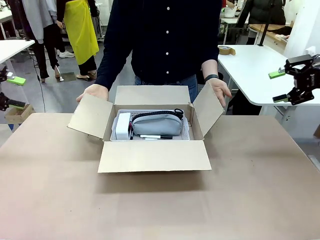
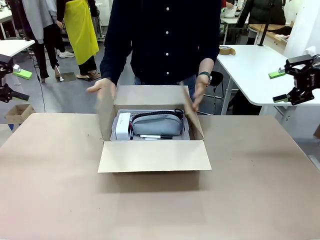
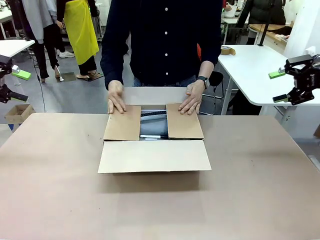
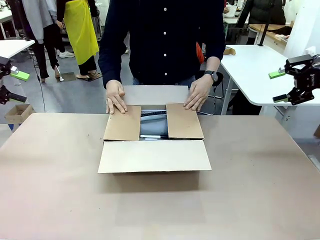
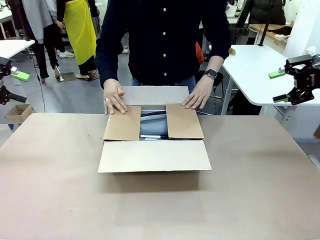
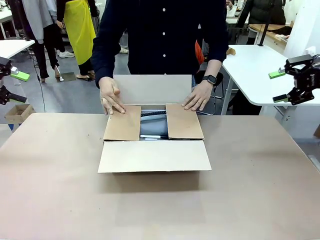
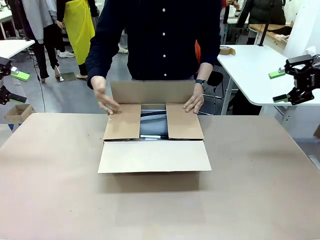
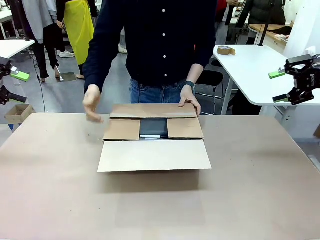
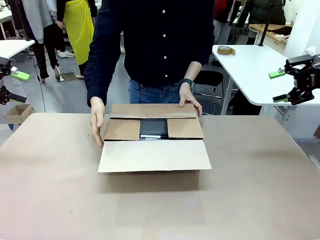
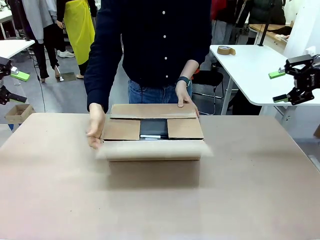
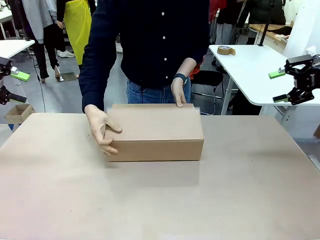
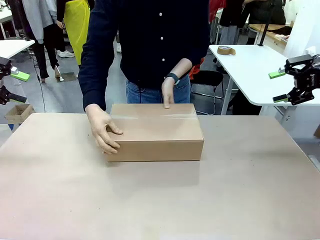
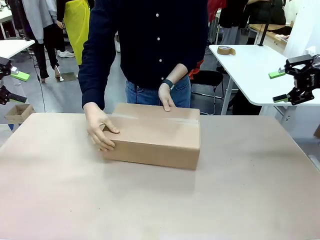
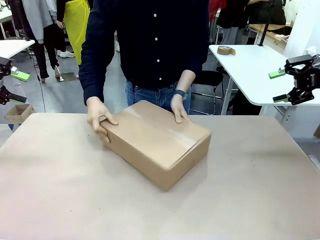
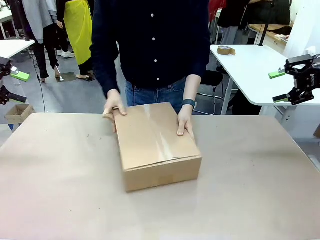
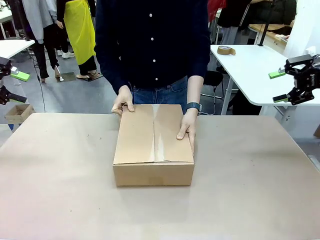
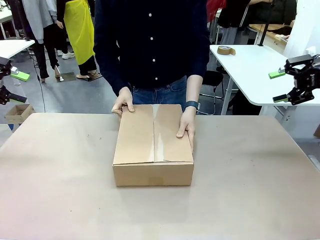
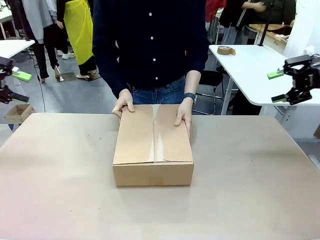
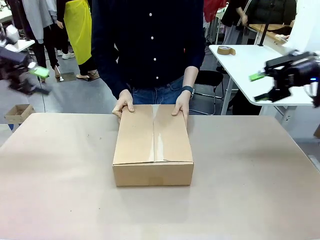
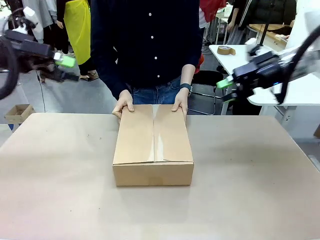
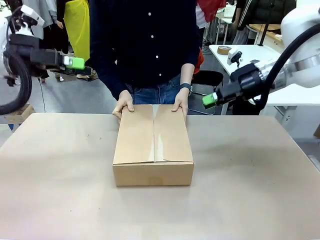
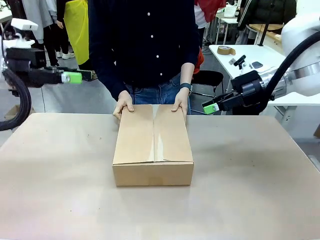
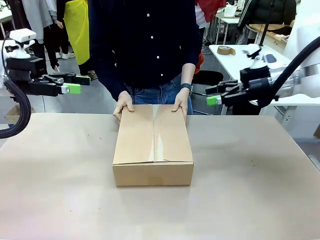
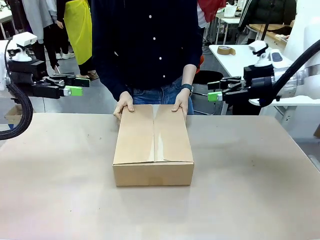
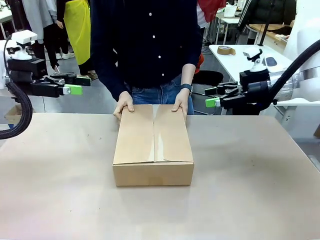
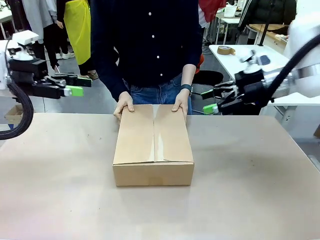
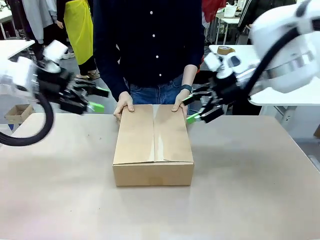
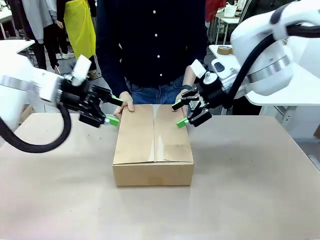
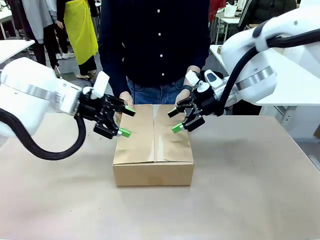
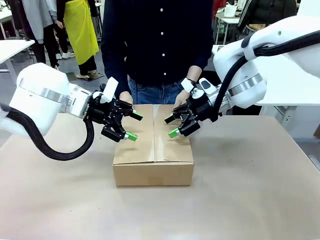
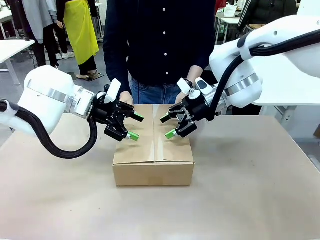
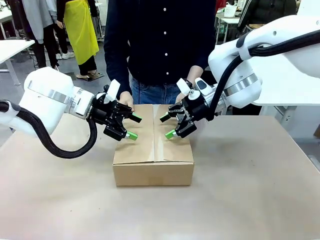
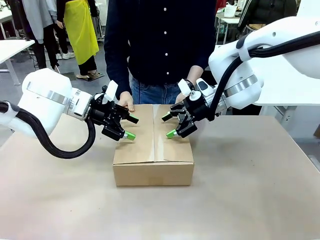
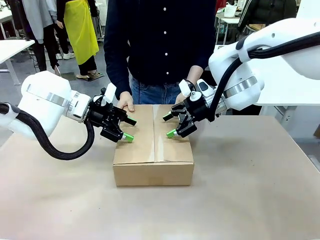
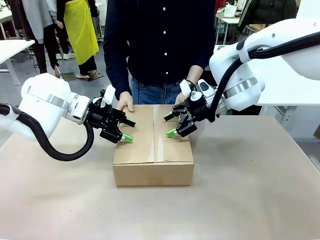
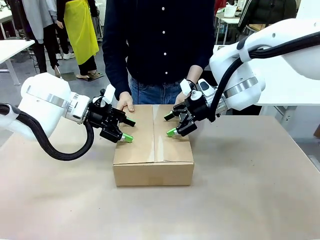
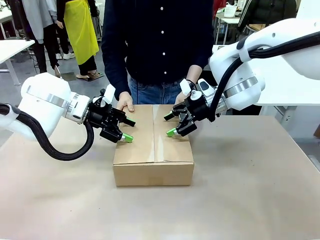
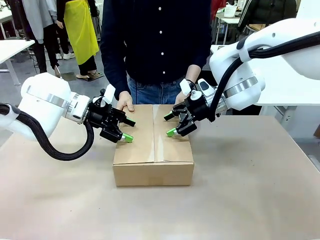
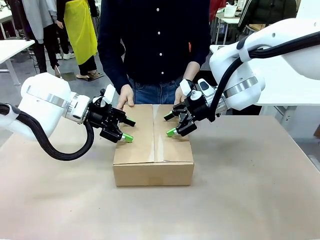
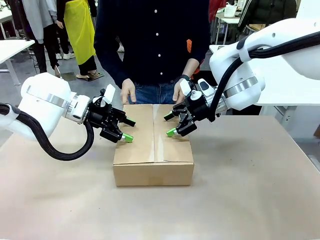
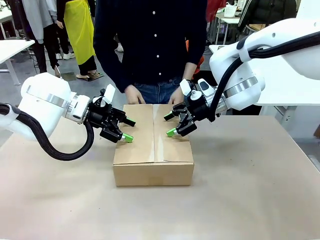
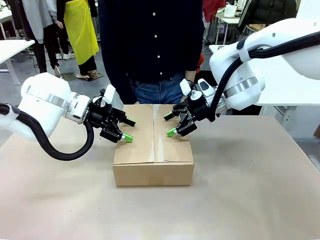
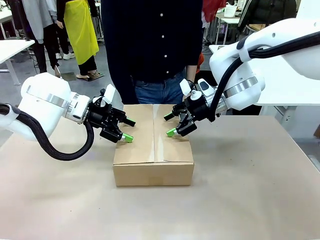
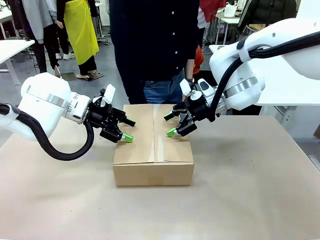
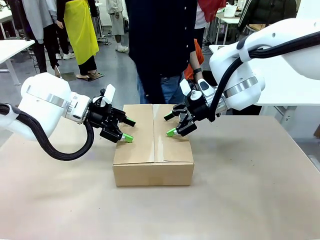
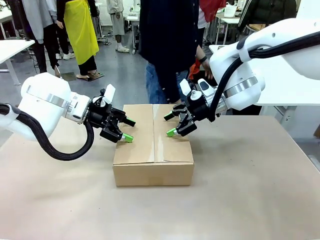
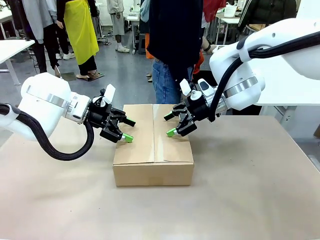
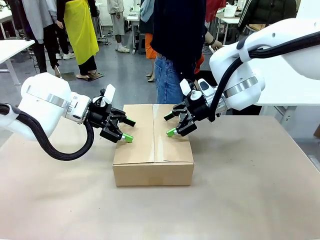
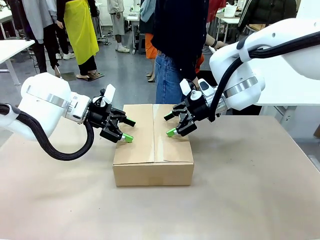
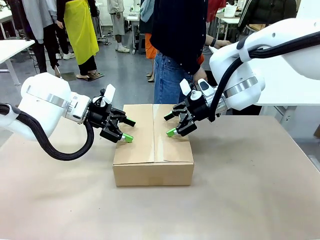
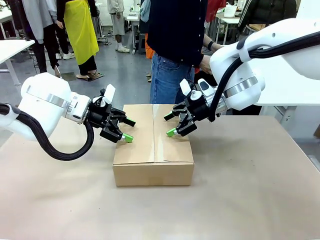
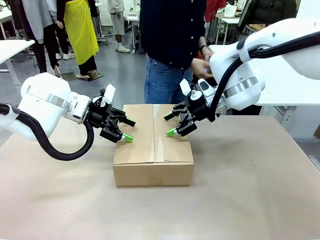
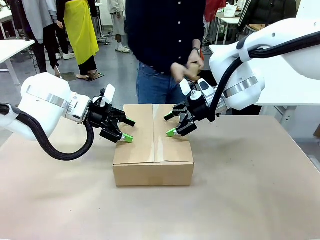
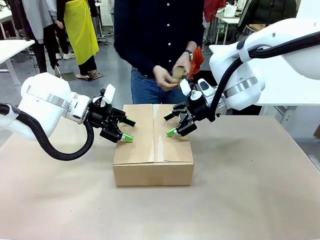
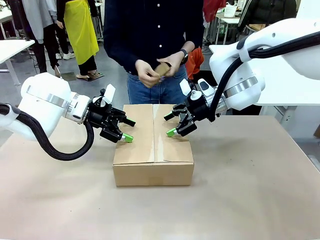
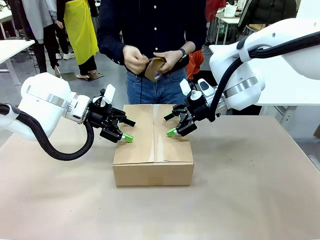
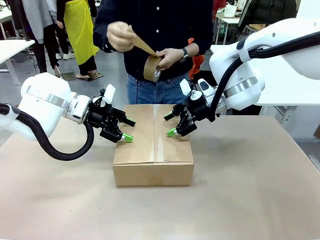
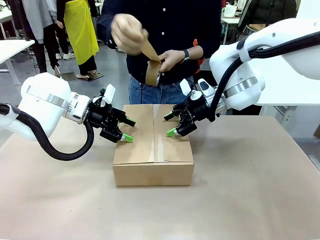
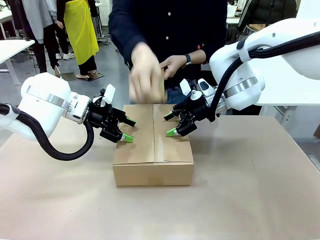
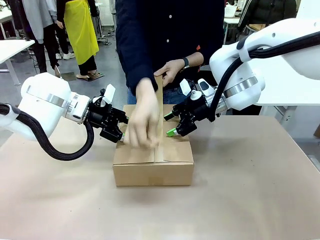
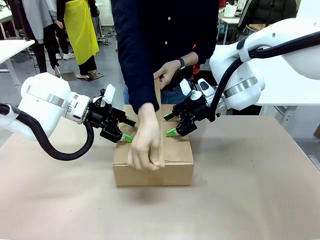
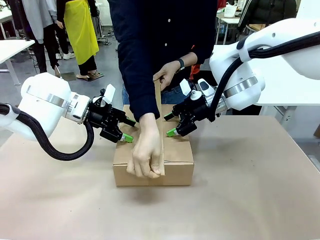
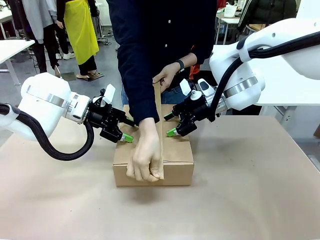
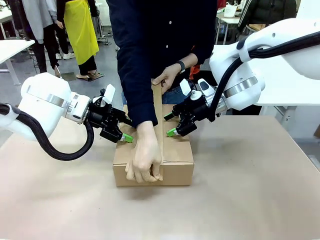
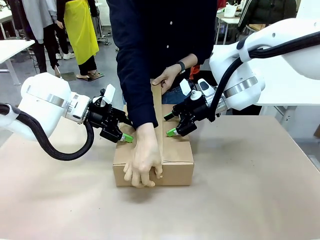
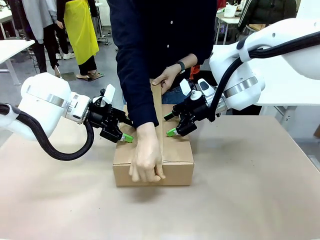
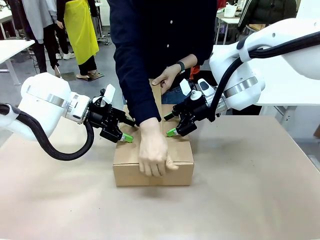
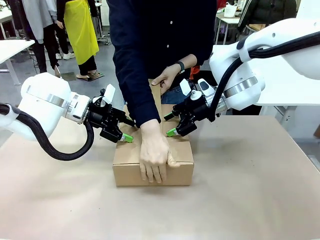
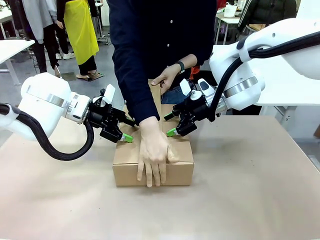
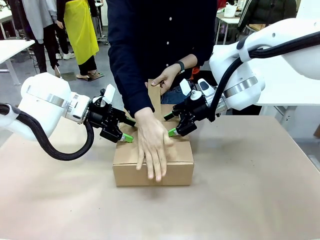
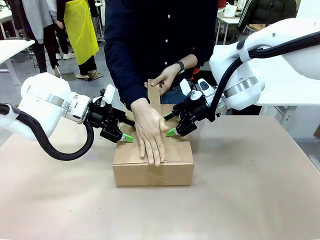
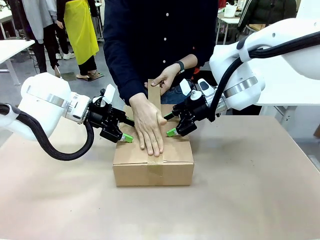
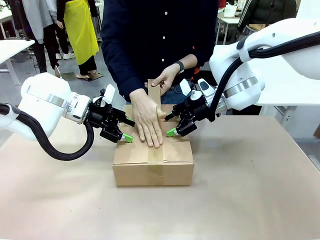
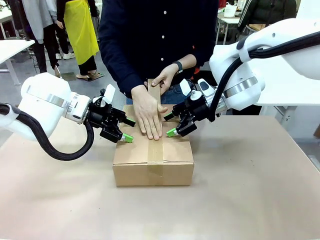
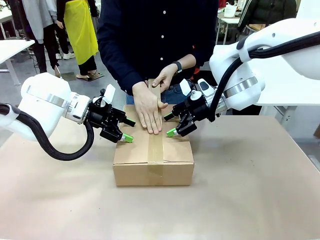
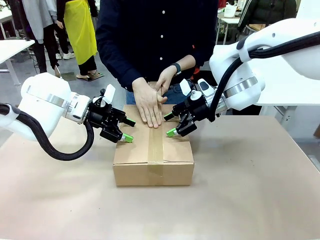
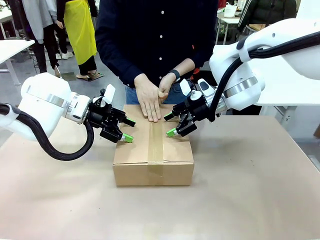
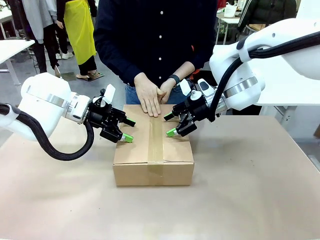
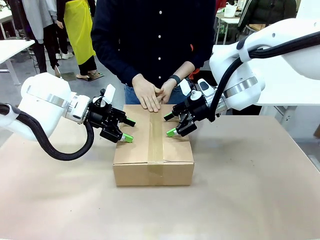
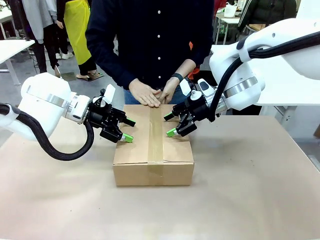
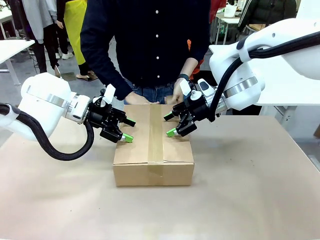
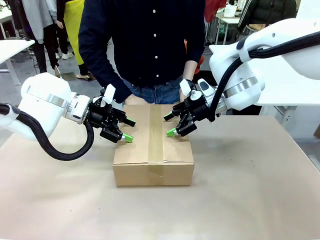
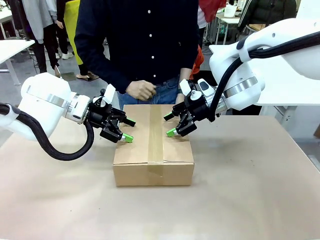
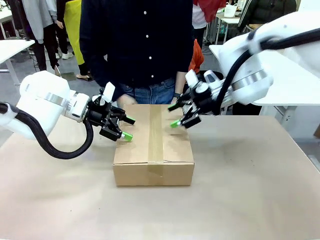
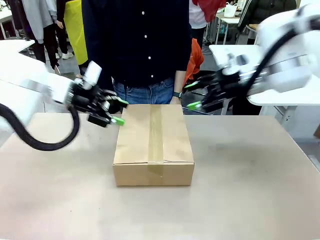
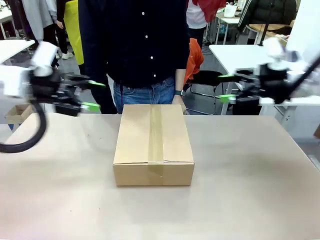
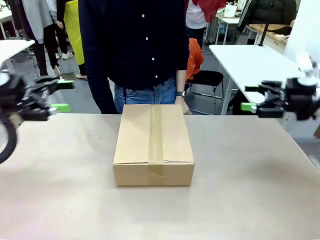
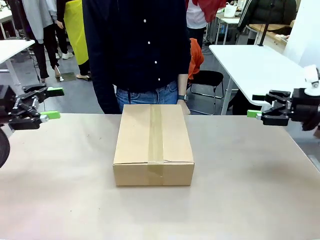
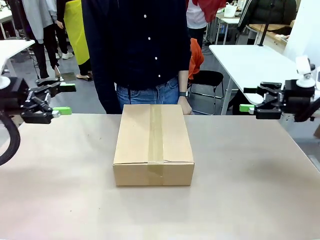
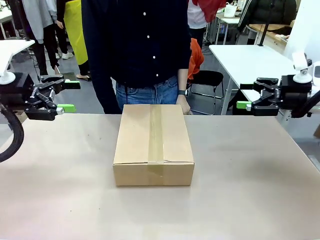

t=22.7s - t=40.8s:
Task: Pack the gift set into the box.
Robot: Press and hold the closed box until the human finishes sealing it.
Person: The human closes the box and rotates the box by 90 degrees. The human picks up the paper tape from the human table and packs the box.
